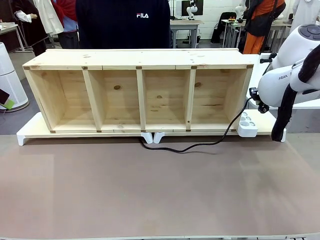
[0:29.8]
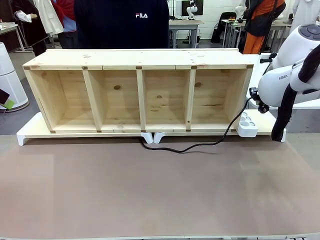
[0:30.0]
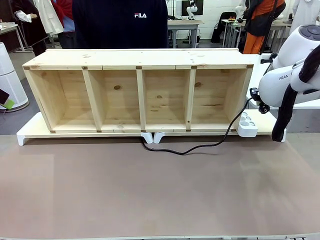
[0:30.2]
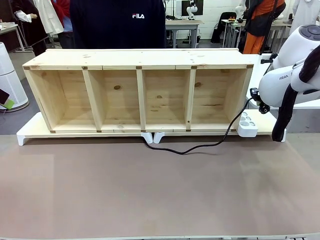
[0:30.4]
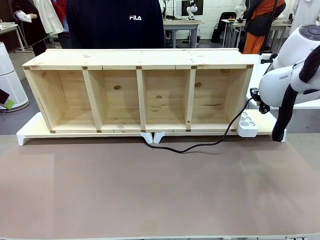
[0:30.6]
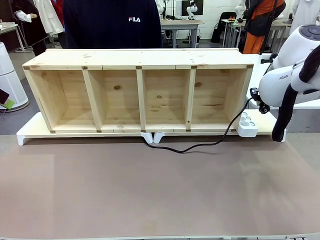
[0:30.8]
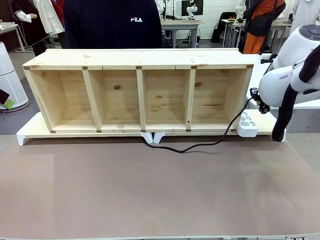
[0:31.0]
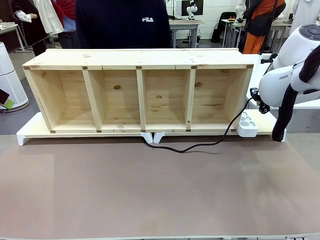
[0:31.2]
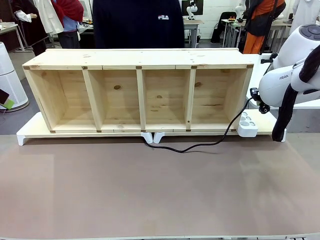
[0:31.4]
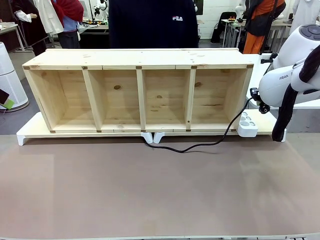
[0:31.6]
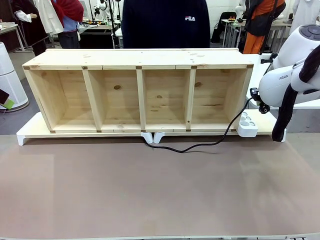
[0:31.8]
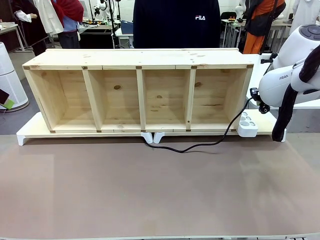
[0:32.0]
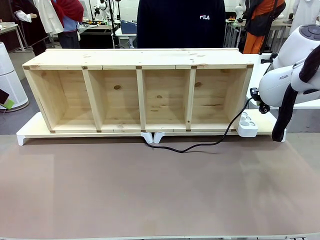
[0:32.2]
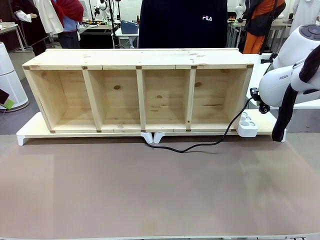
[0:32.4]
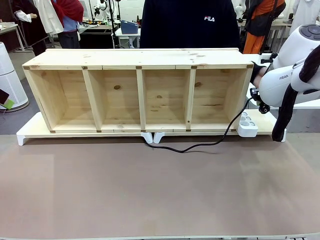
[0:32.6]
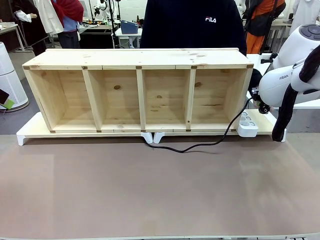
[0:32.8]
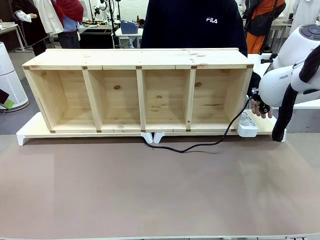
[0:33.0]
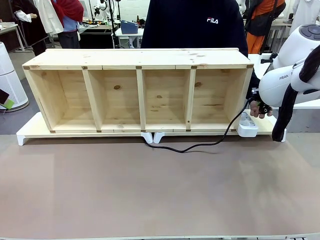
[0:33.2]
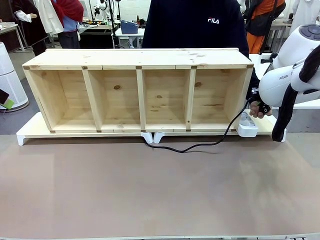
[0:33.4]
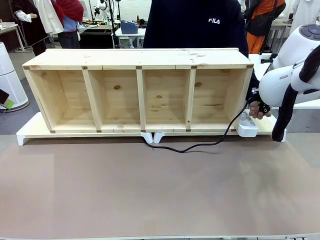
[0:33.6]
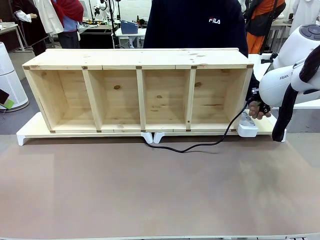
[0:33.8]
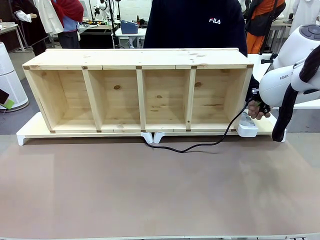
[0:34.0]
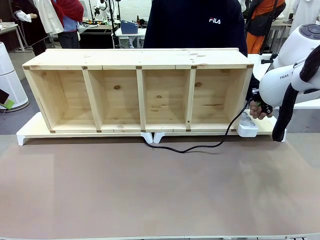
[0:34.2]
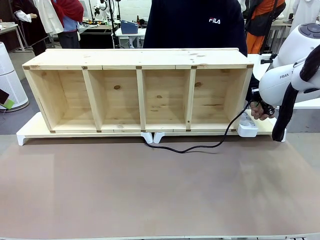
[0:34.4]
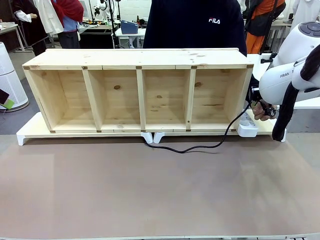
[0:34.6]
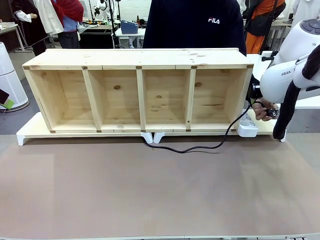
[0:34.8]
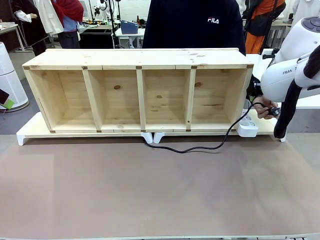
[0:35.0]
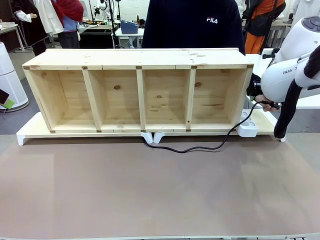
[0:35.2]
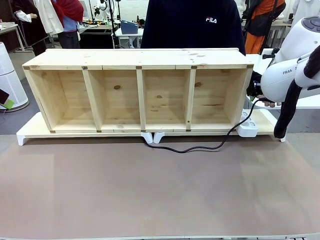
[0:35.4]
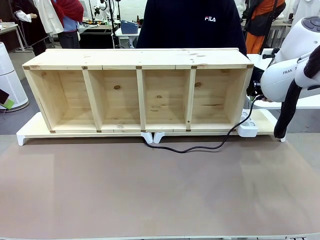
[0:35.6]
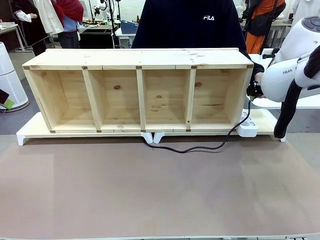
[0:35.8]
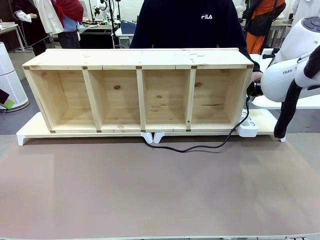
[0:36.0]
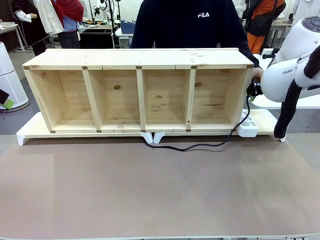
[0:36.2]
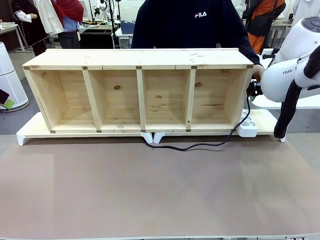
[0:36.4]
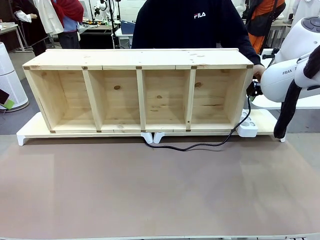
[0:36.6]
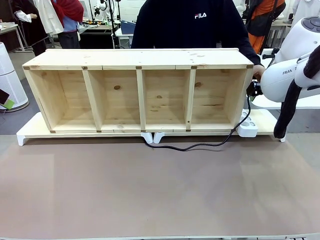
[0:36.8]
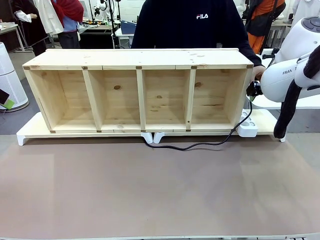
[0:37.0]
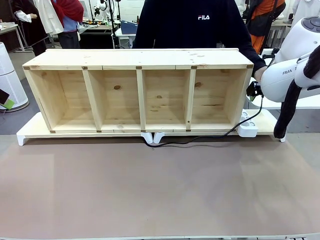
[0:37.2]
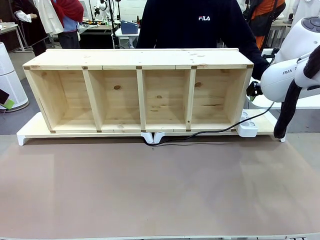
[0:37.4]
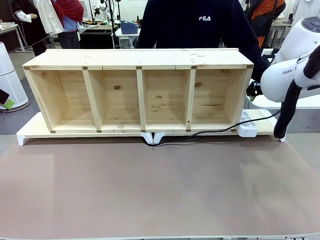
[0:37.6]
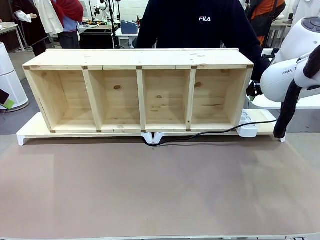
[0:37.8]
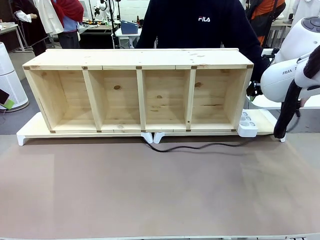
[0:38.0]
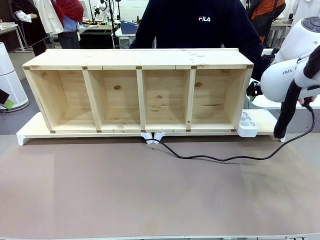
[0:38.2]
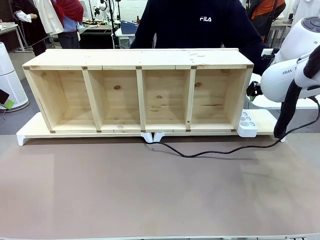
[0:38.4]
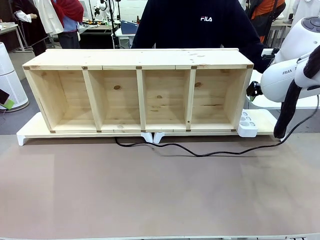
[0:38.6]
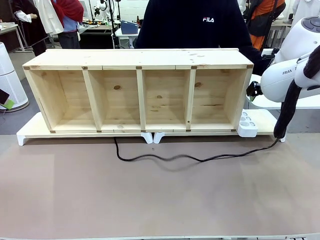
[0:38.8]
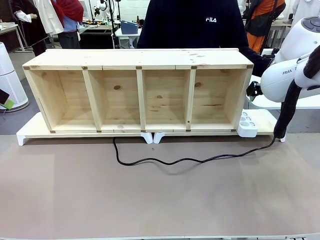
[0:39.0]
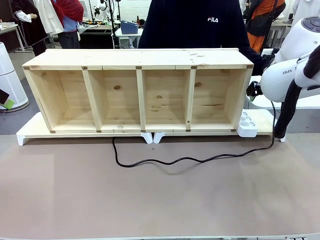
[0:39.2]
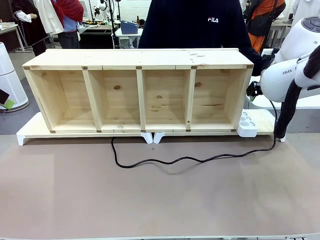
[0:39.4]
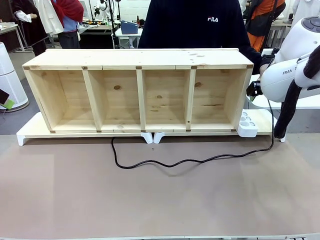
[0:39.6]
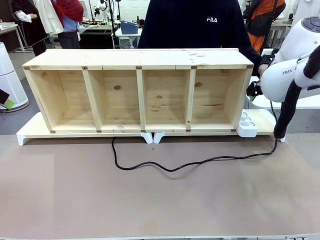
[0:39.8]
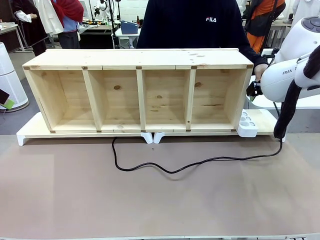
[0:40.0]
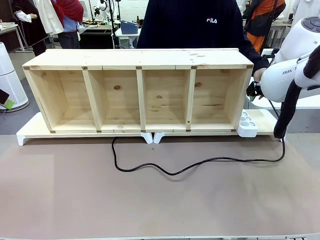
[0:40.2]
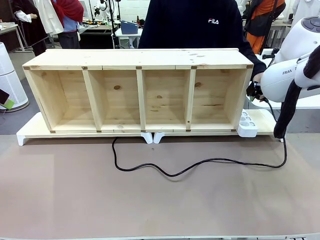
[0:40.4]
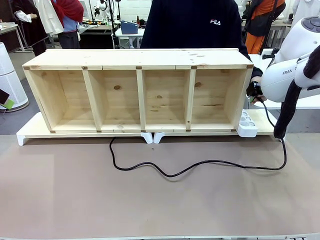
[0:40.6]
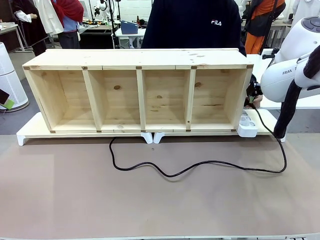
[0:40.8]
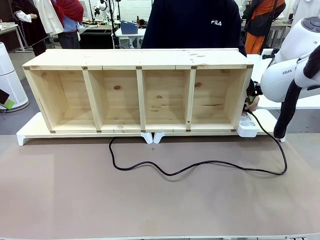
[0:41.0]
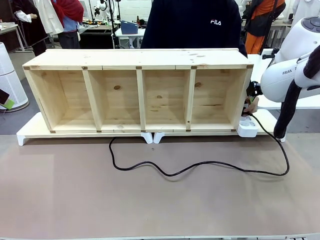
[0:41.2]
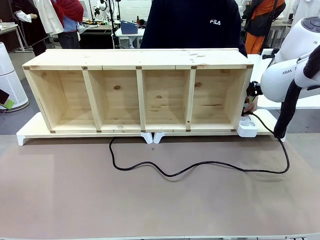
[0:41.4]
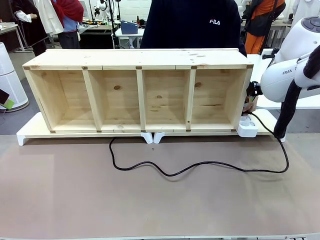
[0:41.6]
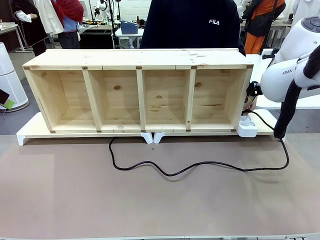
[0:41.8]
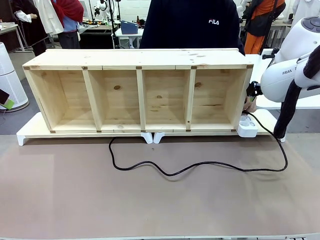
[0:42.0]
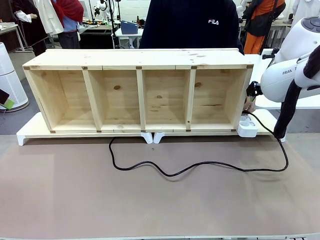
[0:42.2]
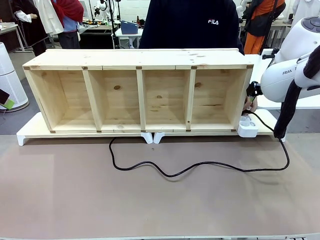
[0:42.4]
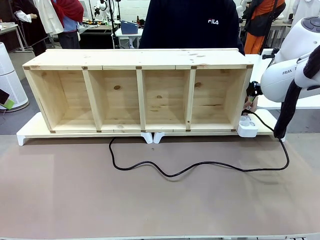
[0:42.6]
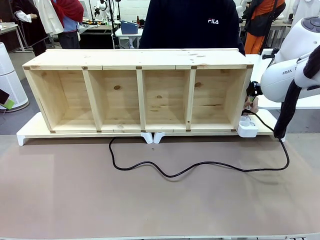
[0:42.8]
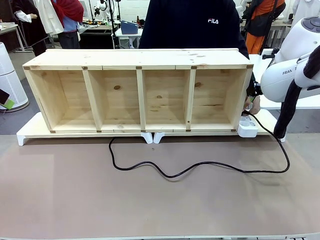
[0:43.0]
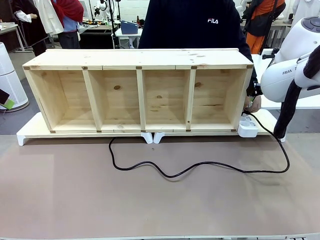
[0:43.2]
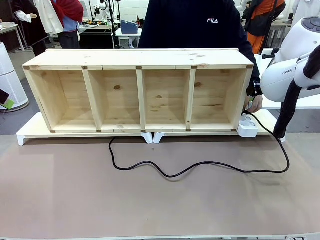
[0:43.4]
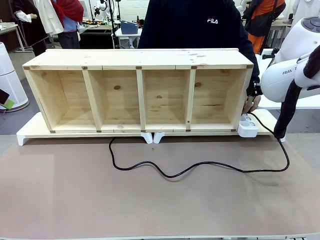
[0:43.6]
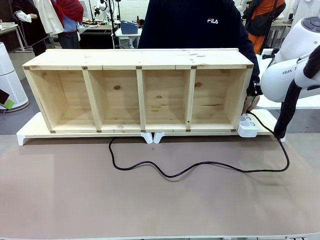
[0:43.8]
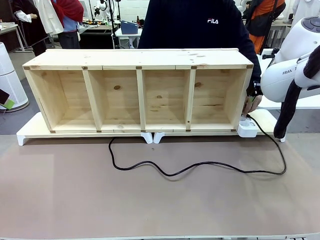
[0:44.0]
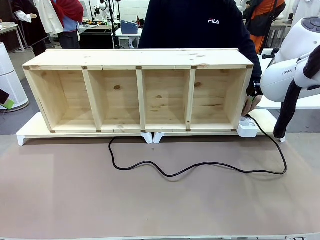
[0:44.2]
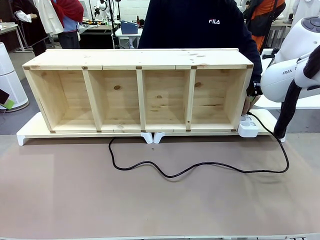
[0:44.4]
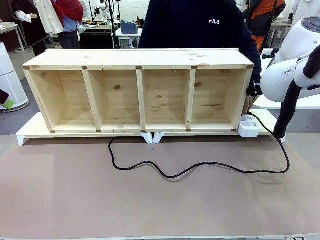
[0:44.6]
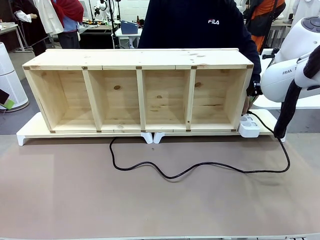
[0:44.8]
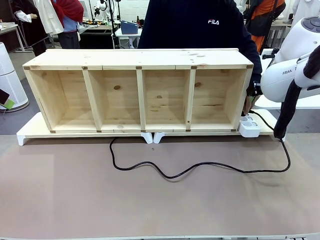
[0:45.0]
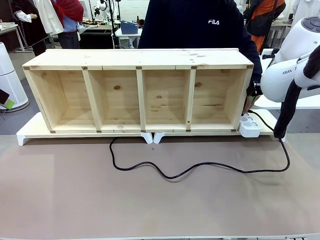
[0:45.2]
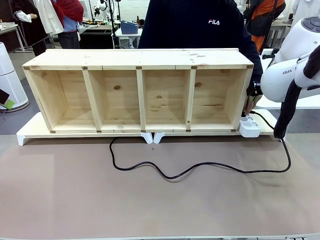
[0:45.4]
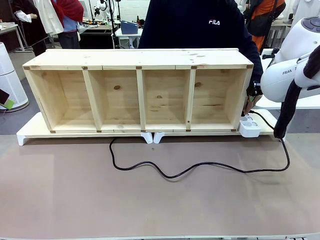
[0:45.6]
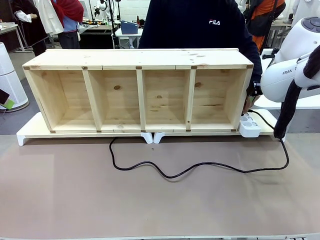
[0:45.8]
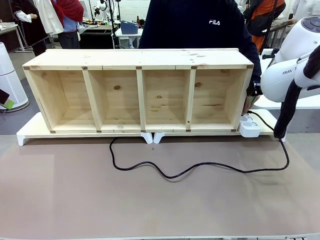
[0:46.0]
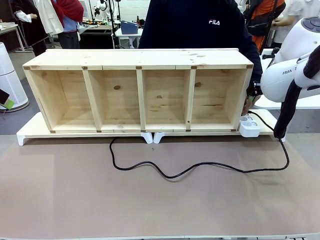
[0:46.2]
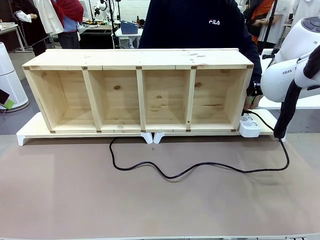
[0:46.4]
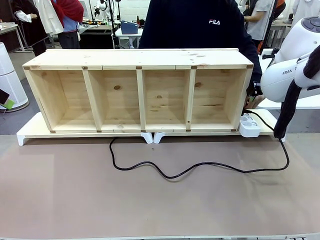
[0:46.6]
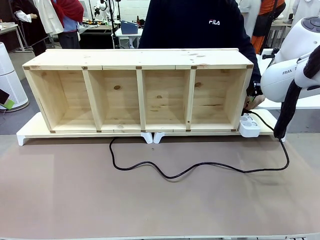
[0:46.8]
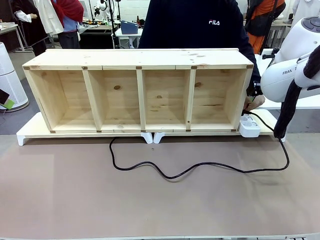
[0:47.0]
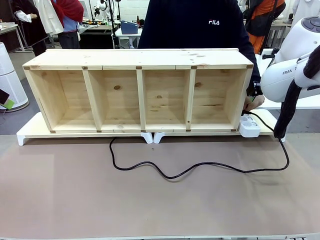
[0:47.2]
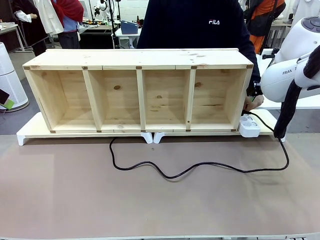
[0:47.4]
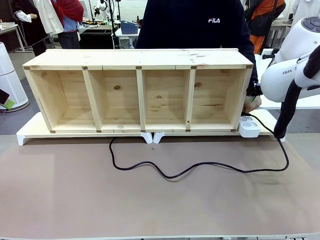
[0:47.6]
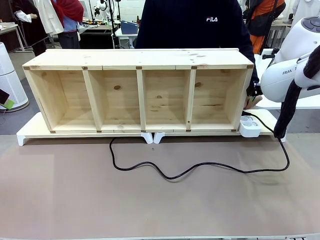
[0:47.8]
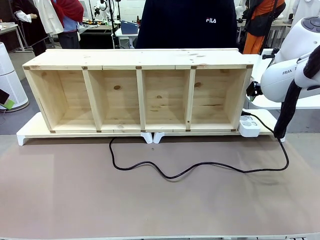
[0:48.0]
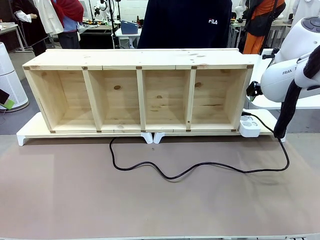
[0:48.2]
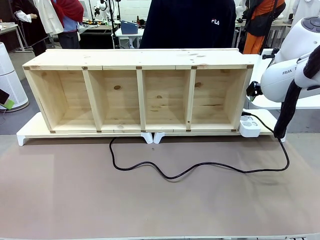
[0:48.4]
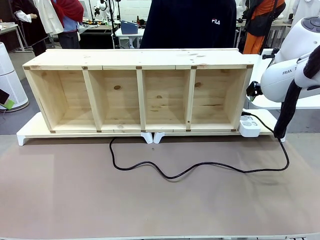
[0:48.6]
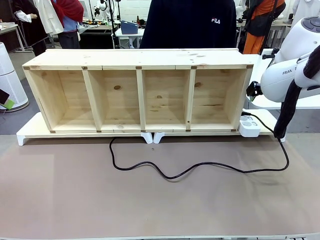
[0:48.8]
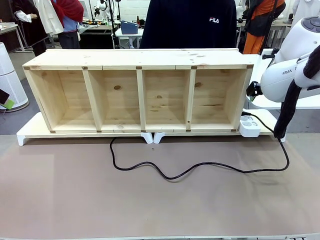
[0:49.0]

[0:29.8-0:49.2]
Task: Perform cable management.
Robot: Release the Power Cable when the human grasps it.
Person: Plug the Power Cable into the Power Strip.
